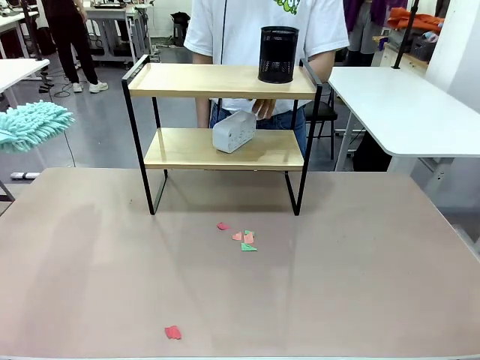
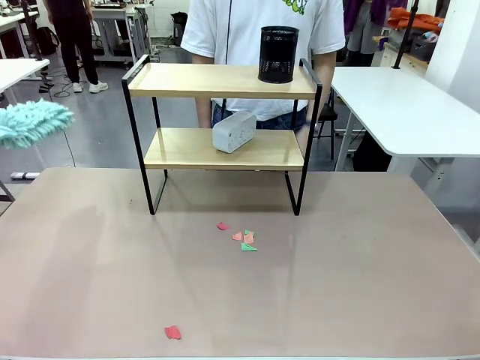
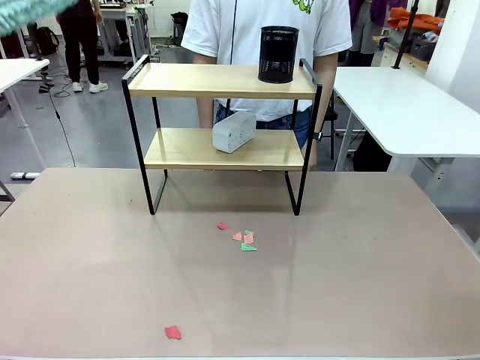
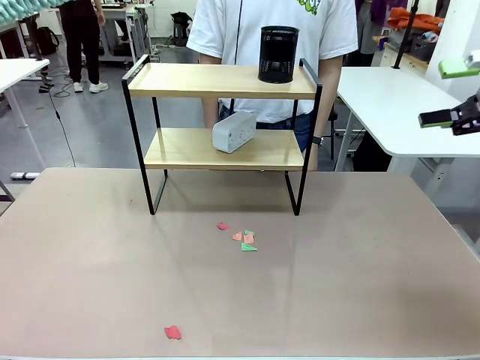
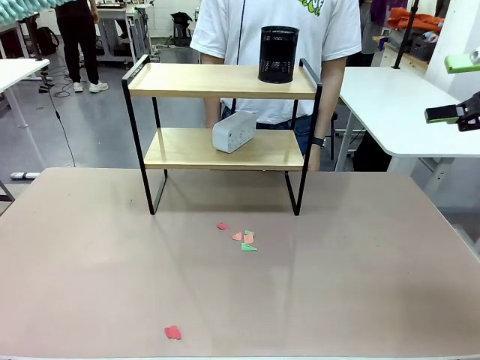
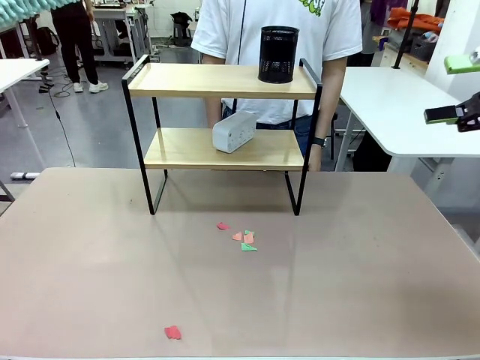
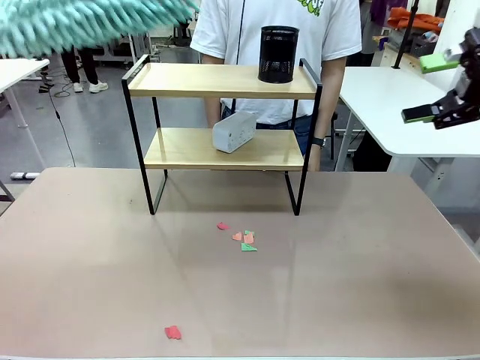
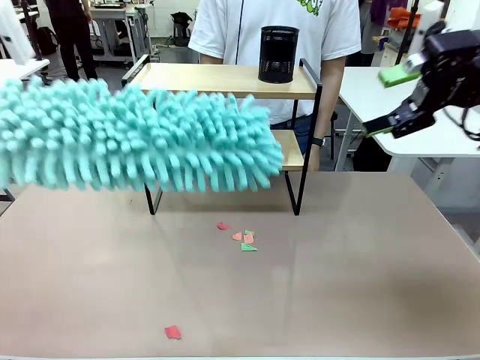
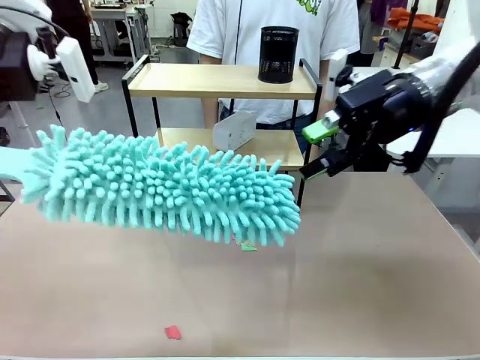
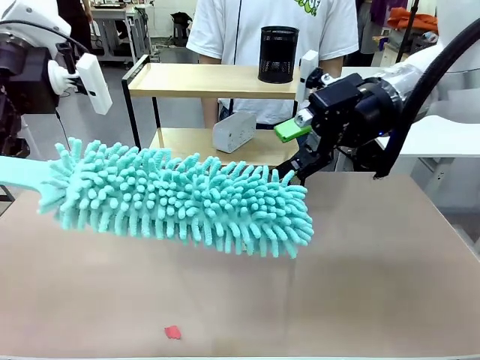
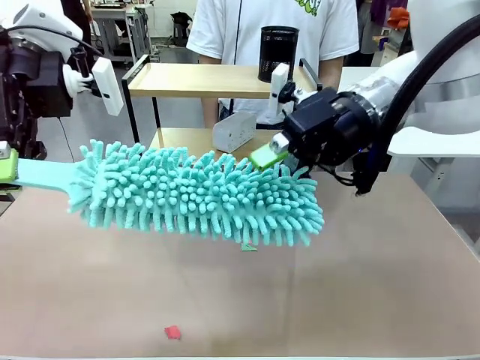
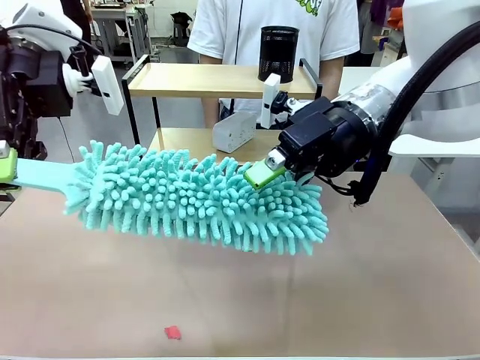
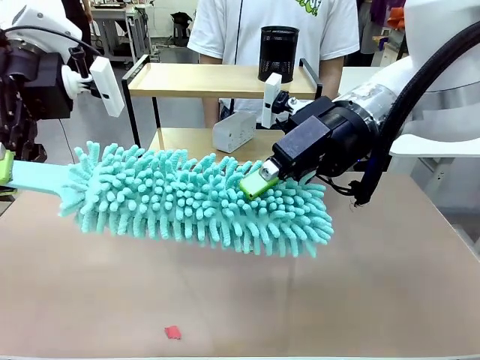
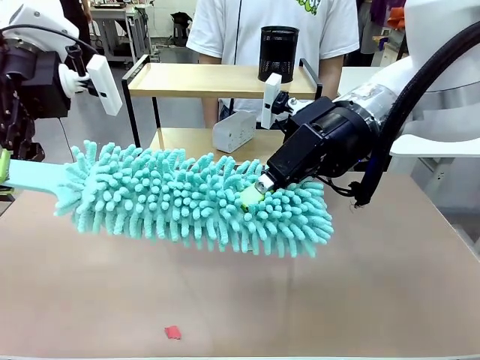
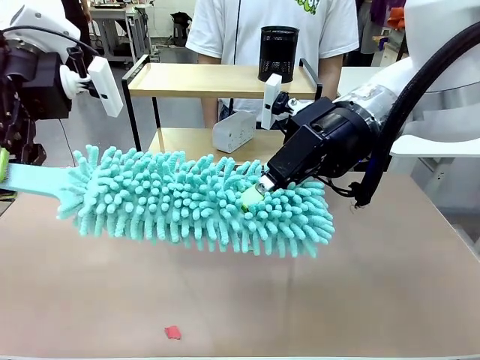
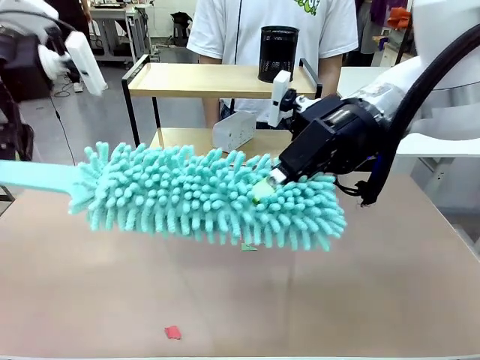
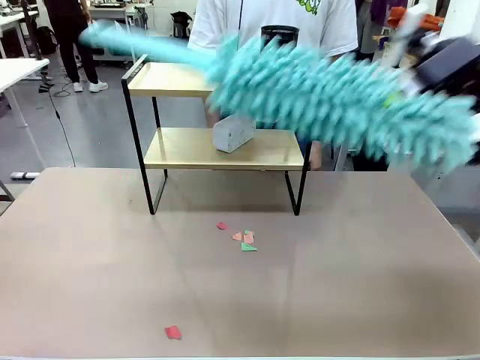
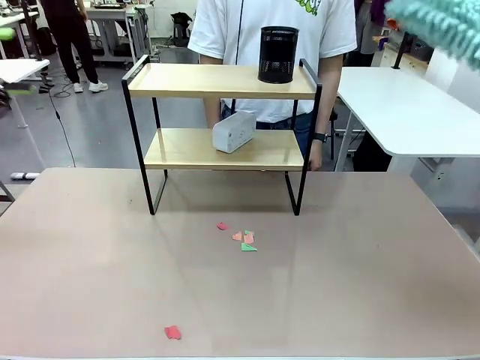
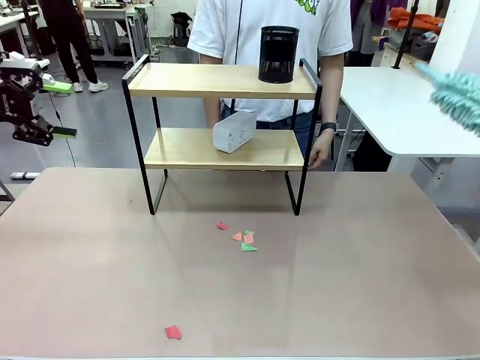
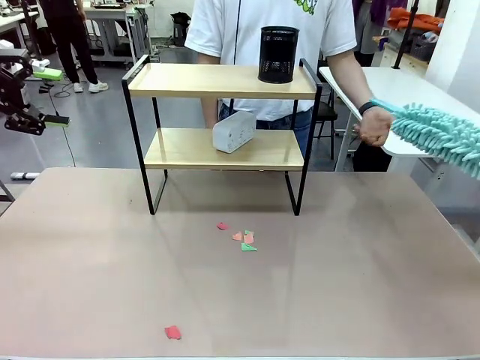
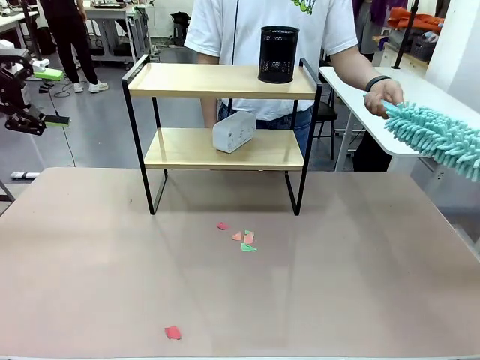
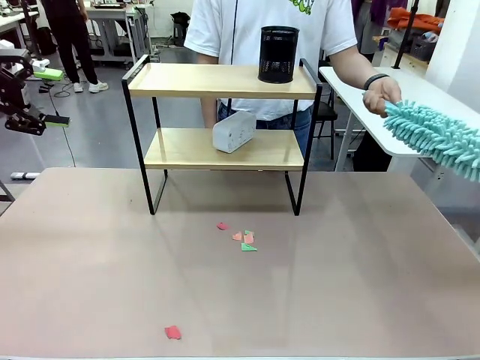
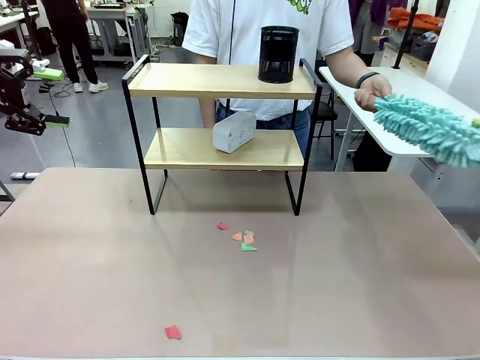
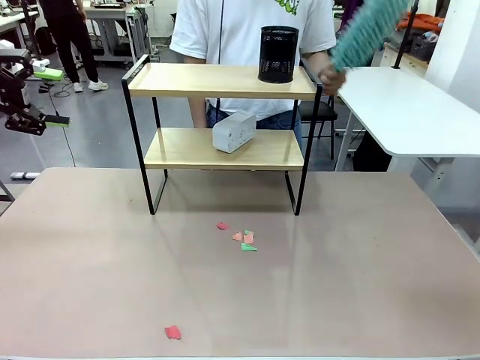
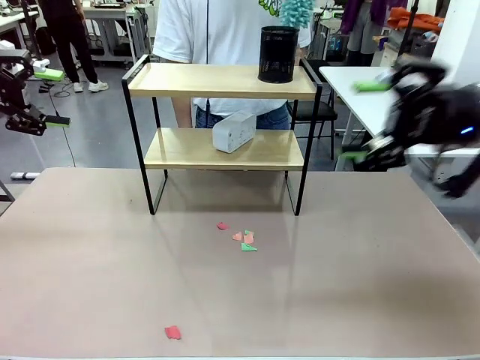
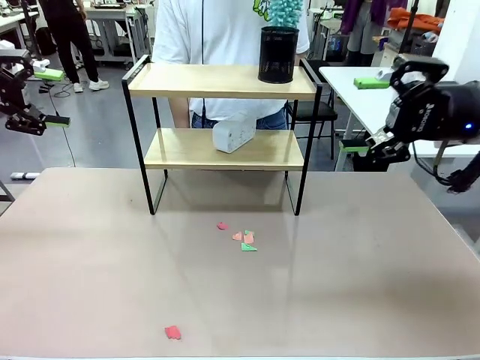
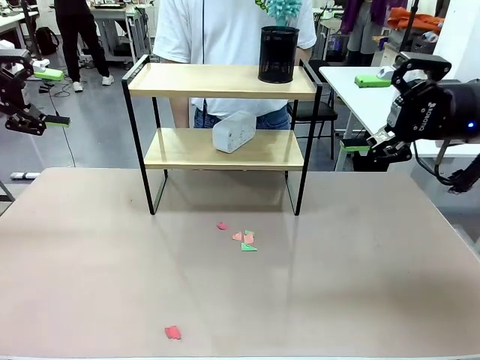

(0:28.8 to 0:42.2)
Task: Clean the shelf.
Robot: Hand the Duster back to the human.
Person: Receive the Duster from the robot.

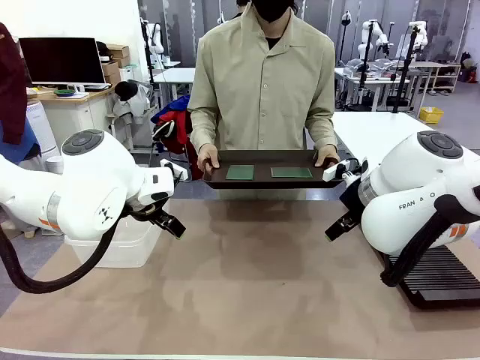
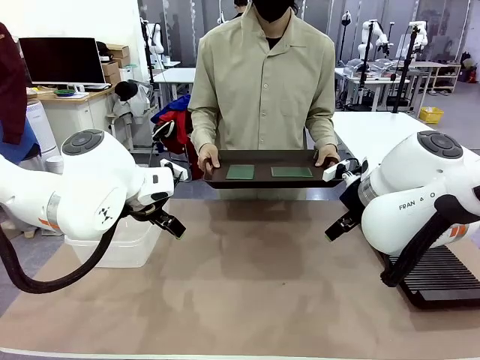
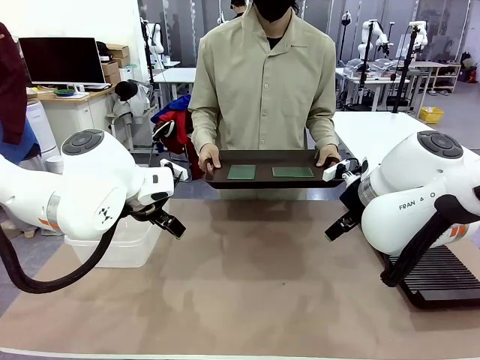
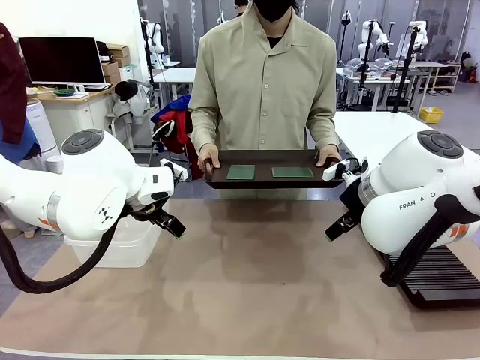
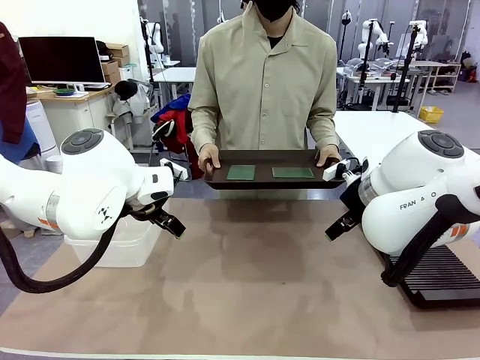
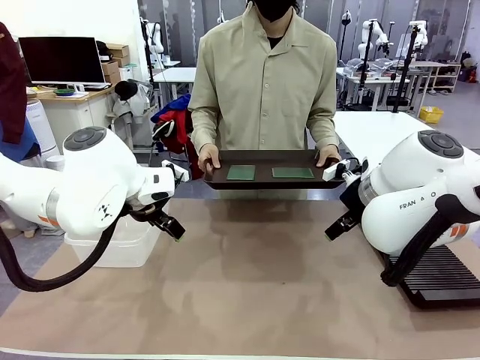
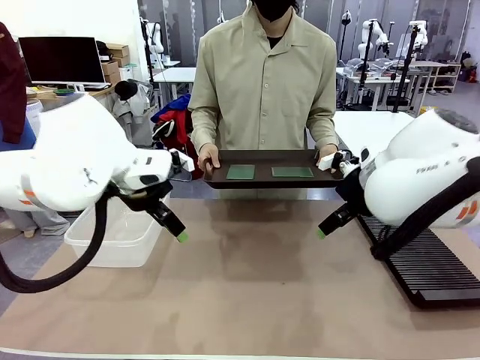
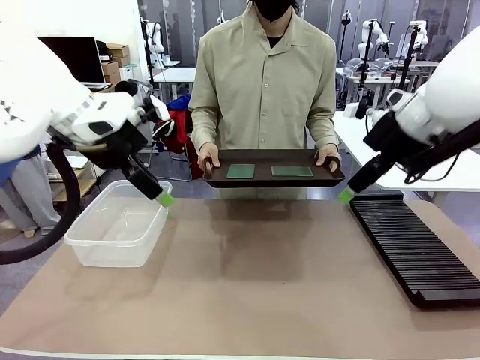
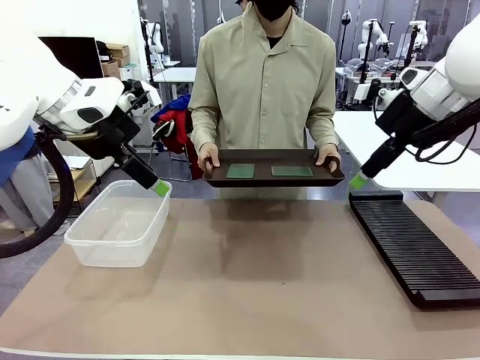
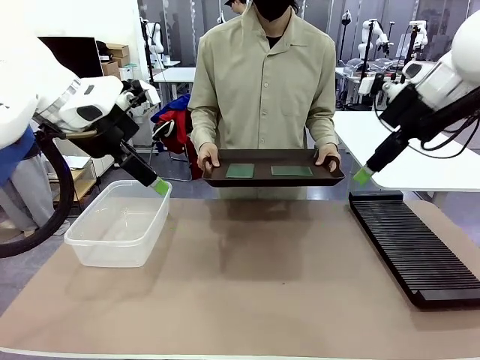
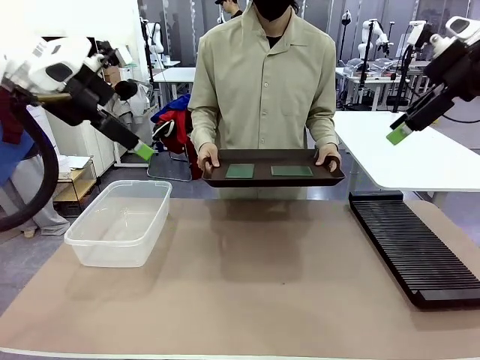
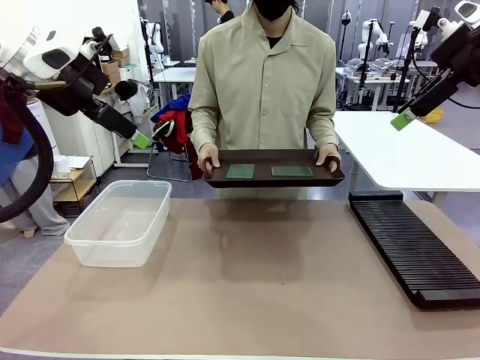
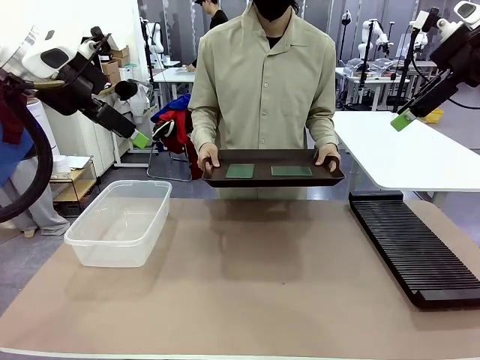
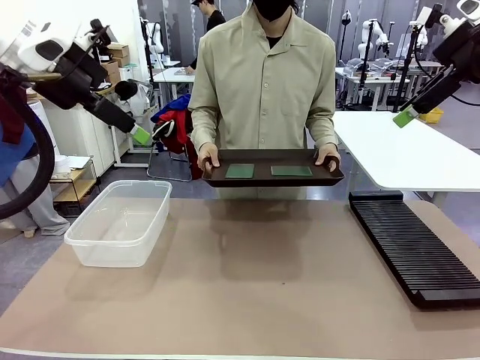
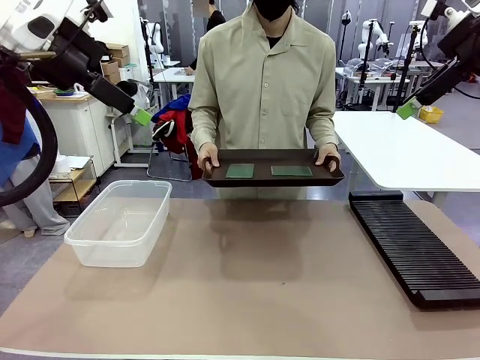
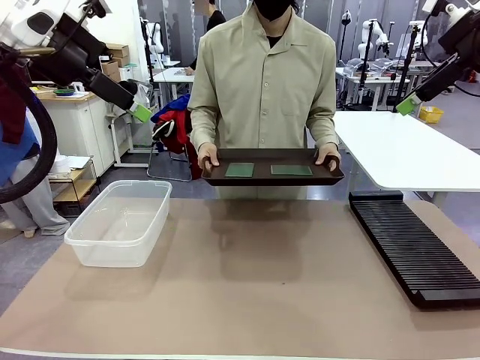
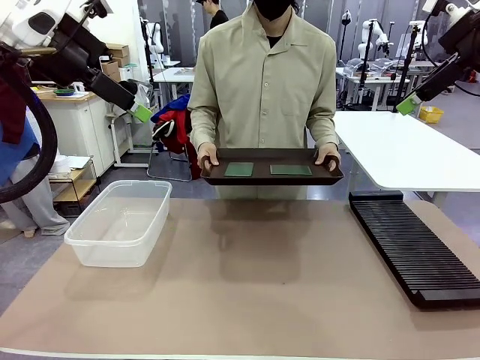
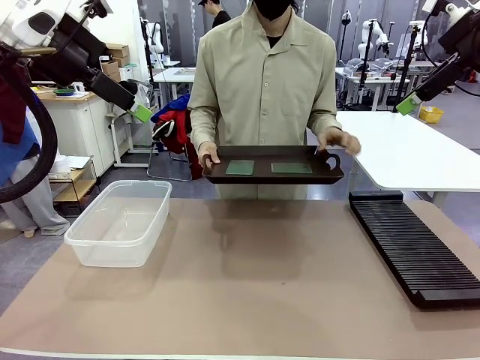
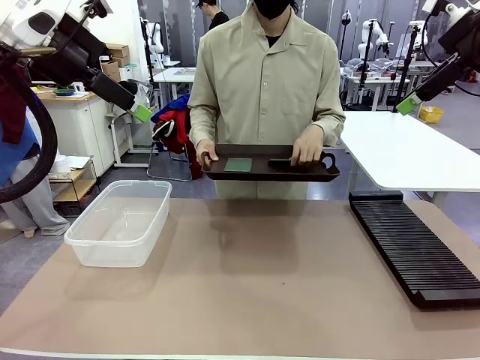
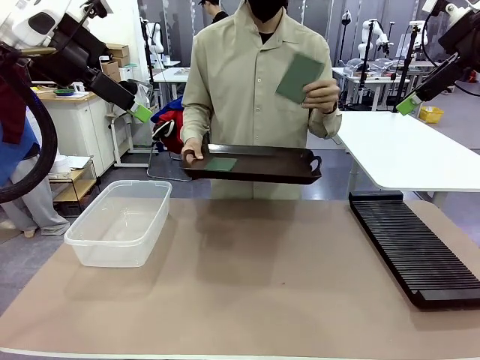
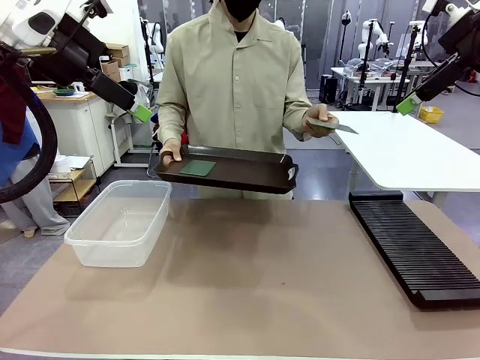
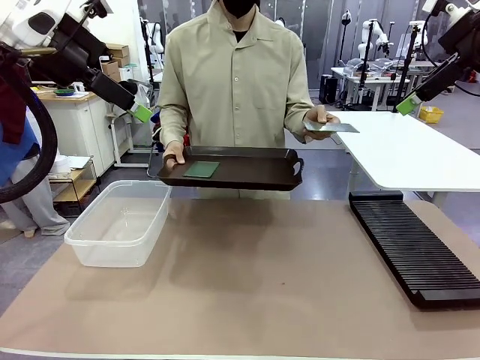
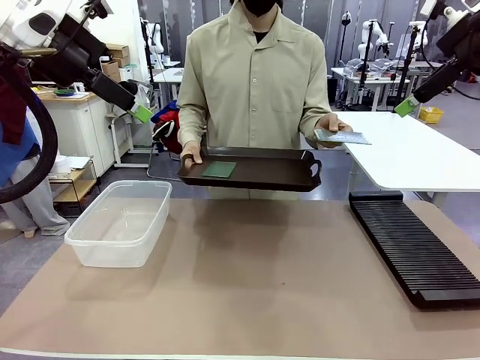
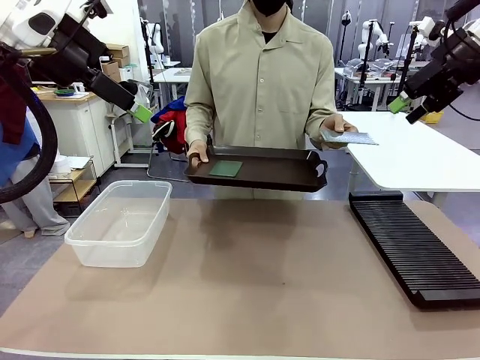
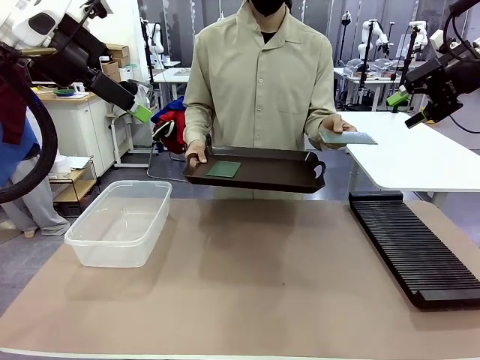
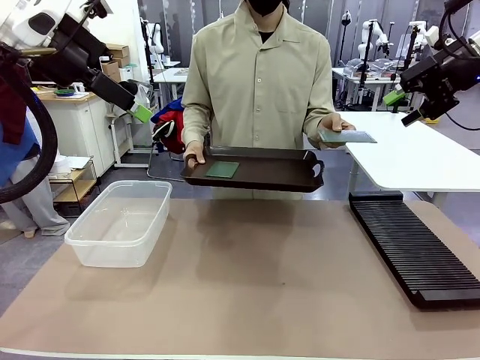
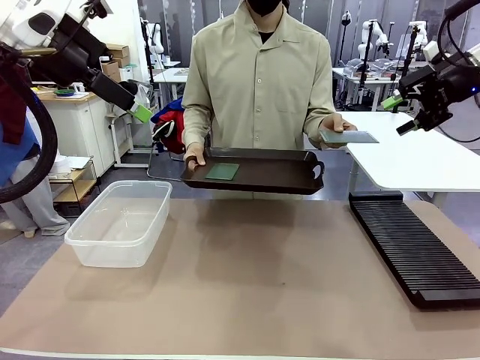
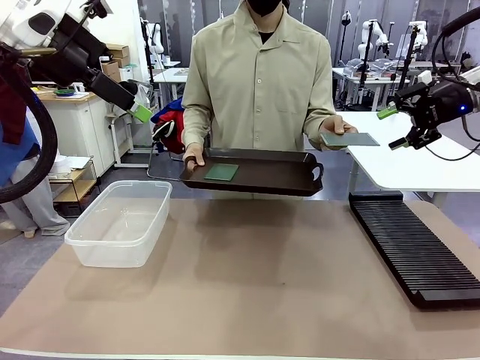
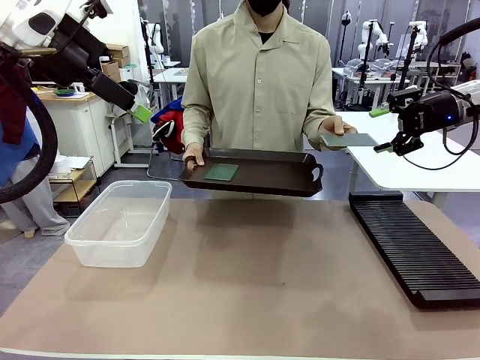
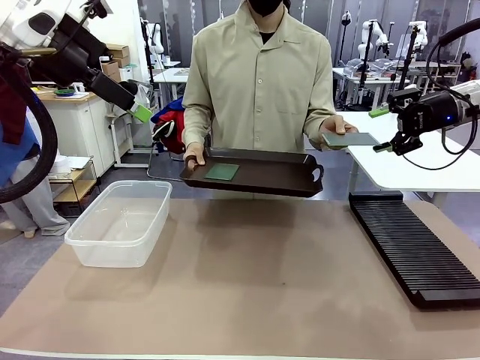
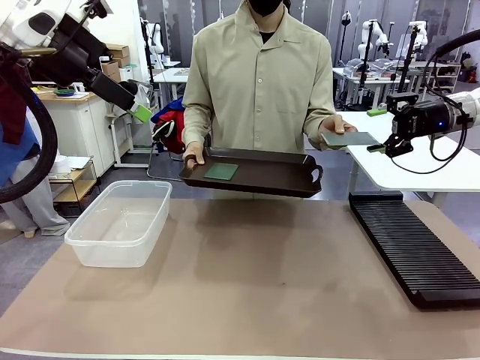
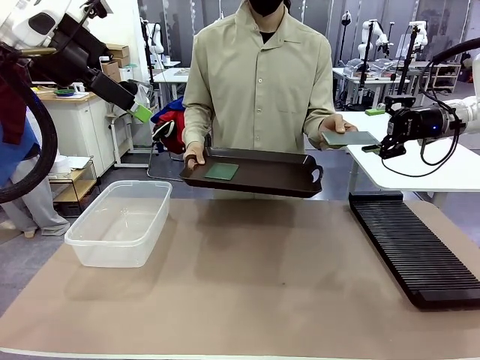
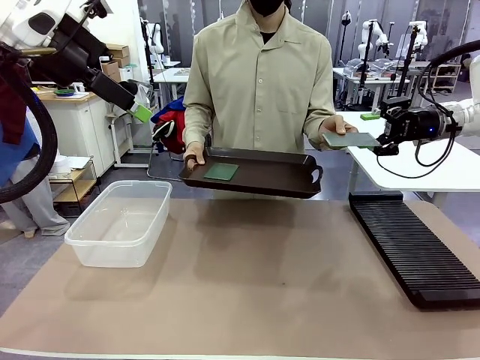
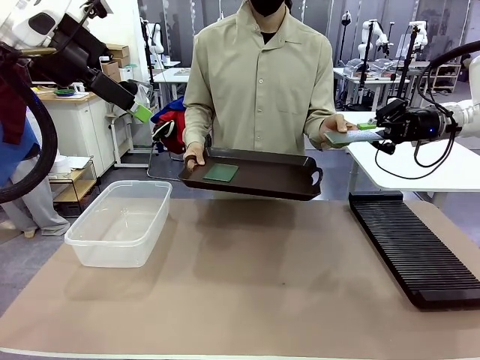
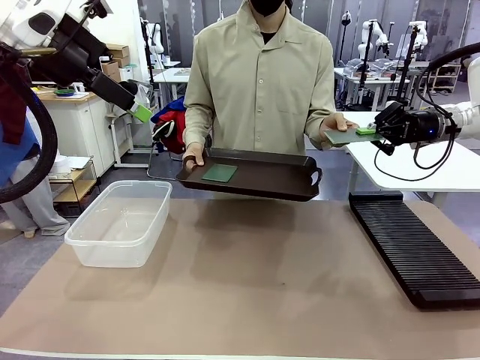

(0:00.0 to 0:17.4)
Task: Sort PCBs into racks and boxes based on the side picked up.
Robot: Pick up the Blank PCB handed by the Human.
Person: Pick one PCB from the tray and present it to the robot. Release the PCB being held.
